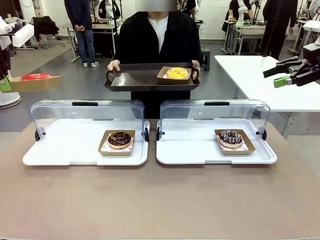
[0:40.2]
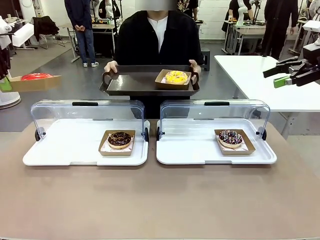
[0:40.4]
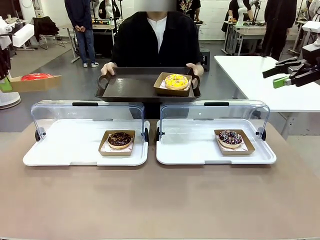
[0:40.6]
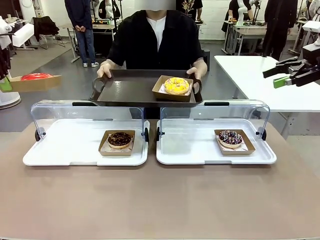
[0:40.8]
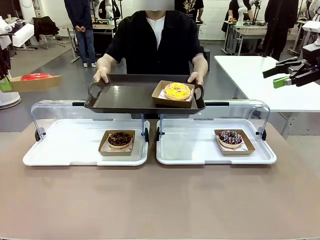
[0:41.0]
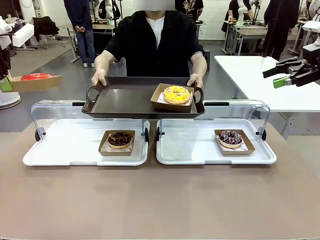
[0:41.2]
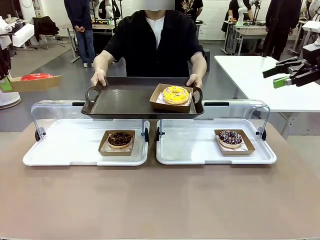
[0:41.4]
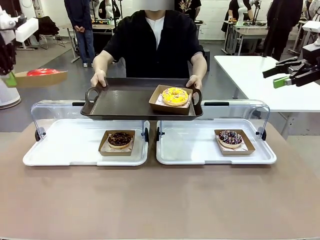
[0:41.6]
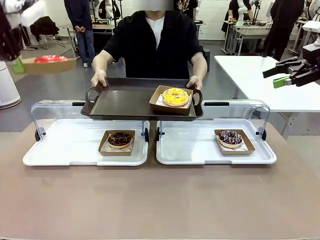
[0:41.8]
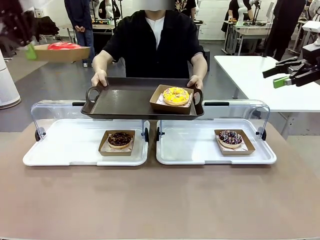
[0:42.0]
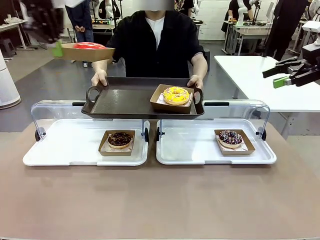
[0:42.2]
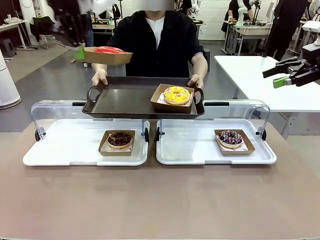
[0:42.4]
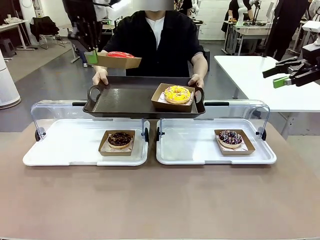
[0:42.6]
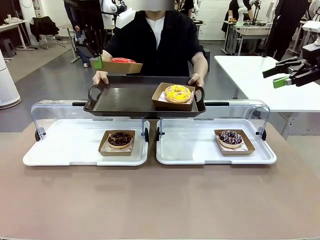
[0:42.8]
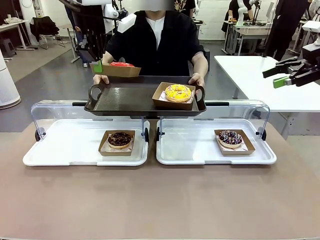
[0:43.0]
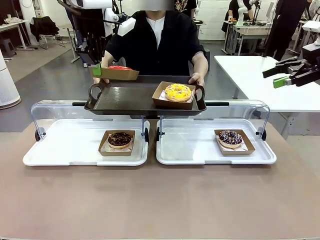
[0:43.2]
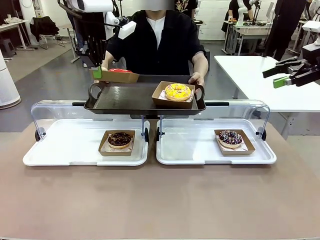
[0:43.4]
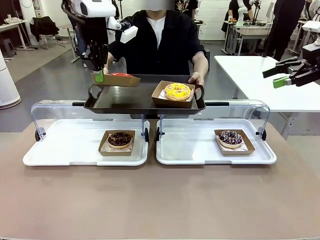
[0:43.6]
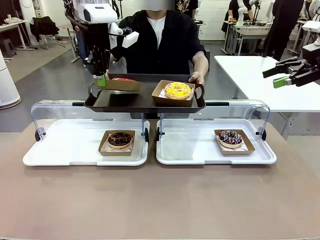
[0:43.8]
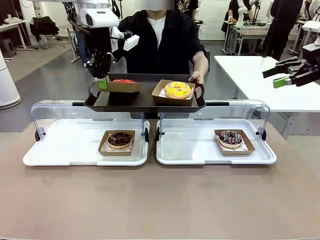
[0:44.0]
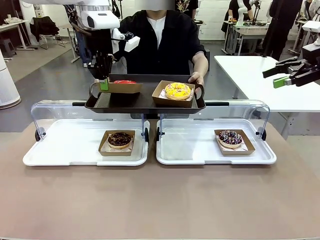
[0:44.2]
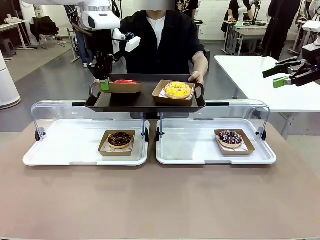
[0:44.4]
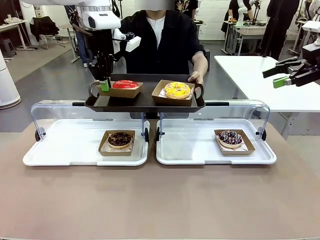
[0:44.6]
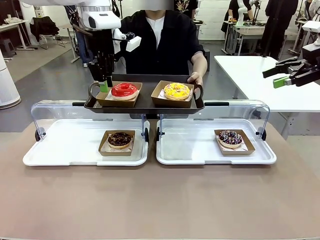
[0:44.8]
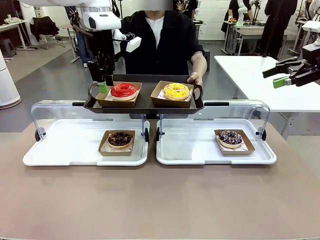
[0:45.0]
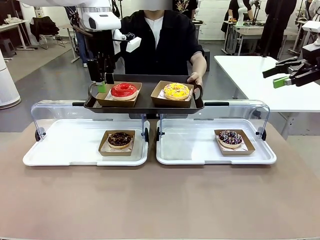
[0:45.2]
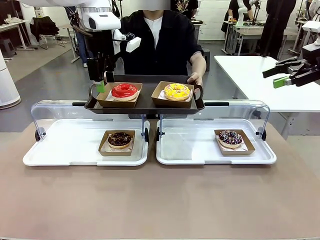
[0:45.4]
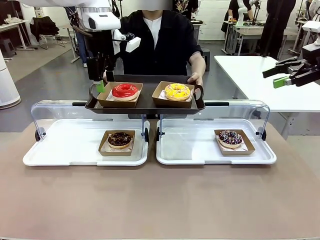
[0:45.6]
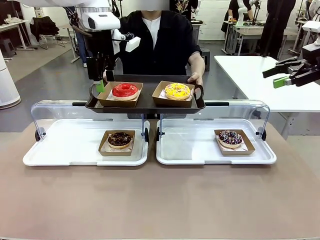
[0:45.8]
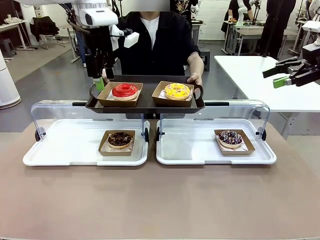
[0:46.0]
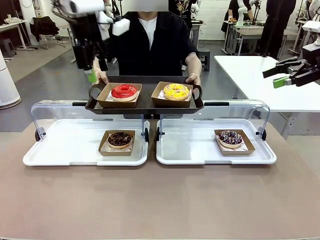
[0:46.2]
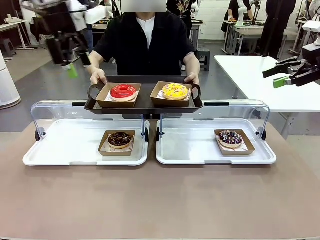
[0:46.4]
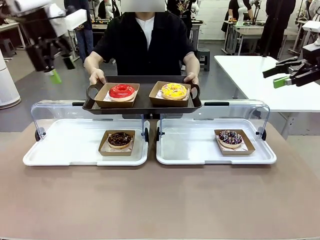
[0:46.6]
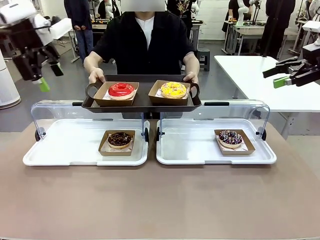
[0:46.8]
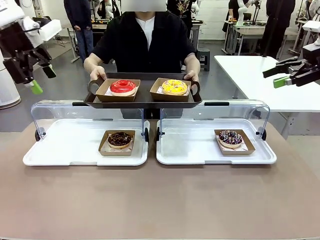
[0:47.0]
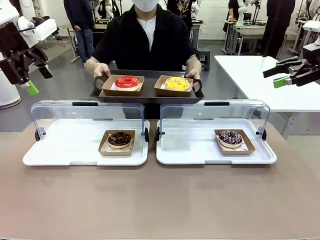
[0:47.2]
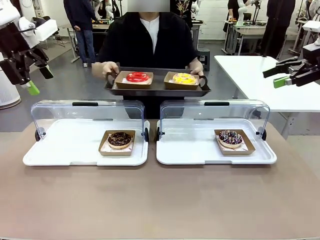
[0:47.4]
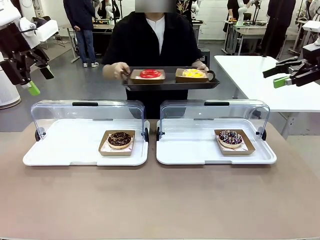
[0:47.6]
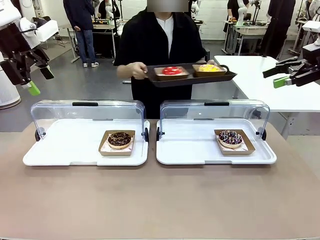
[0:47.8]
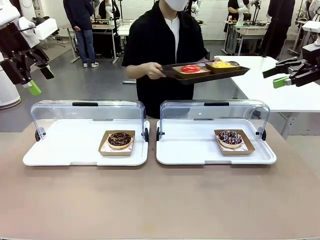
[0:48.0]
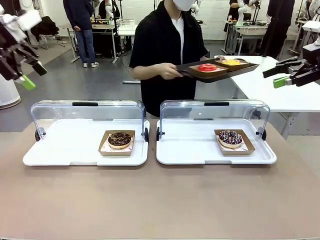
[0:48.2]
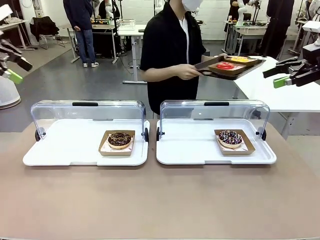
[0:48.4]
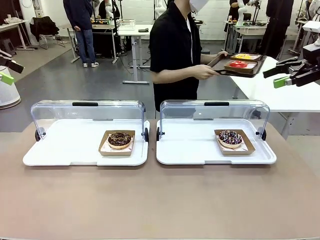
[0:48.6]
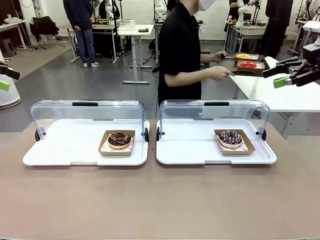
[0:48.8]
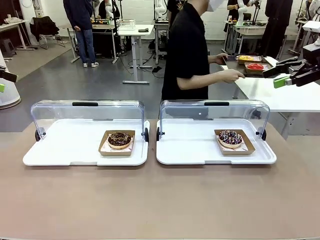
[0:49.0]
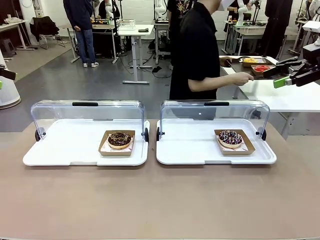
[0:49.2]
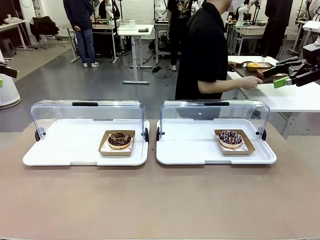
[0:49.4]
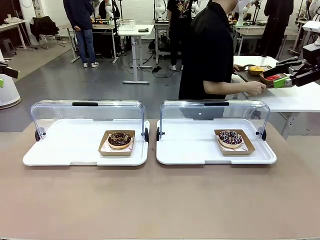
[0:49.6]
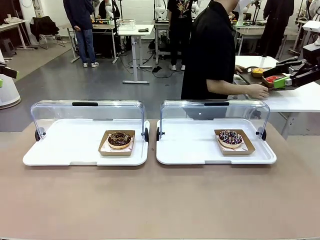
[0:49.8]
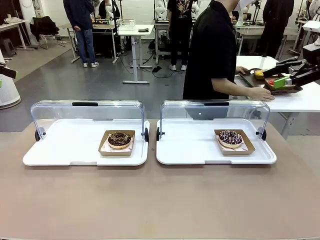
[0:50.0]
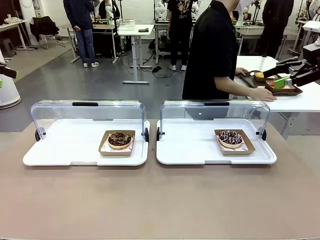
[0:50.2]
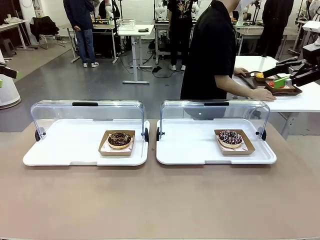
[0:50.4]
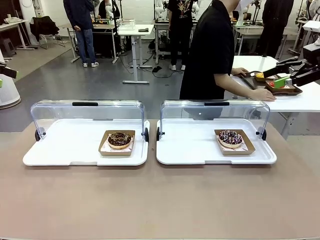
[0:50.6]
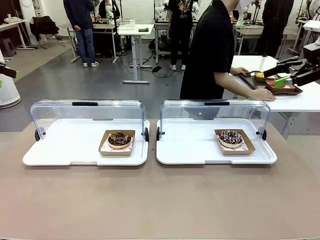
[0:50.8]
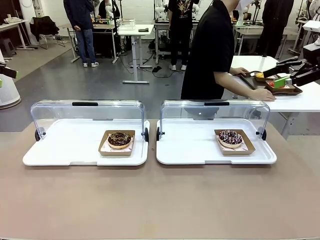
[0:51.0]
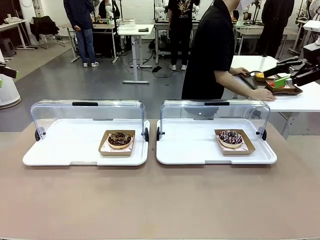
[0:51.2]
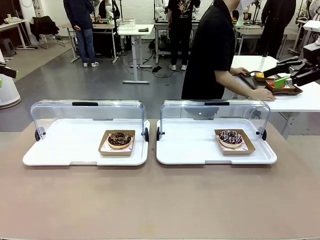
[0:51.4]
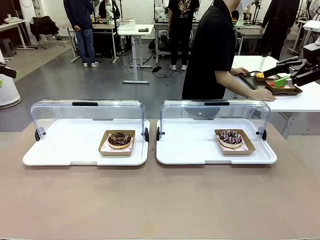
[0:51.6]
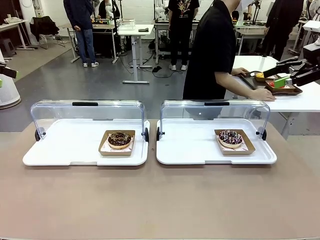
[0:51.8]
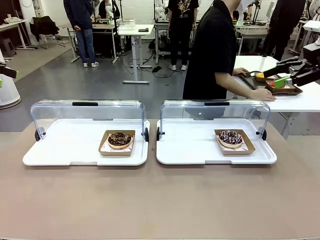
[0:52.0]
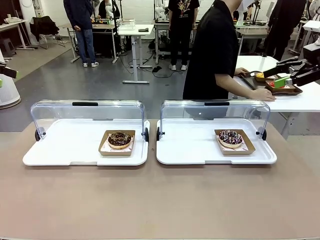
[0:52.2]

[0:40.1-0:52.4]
Task: Provide the desired donut to the person.
Robot: Place the picked Paper togo box onto the Handle tray extended by the person.
Person: Place the tray in the middle of the human table.

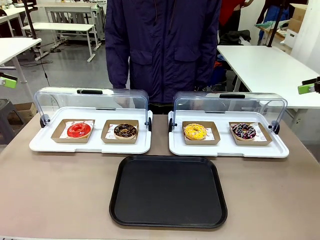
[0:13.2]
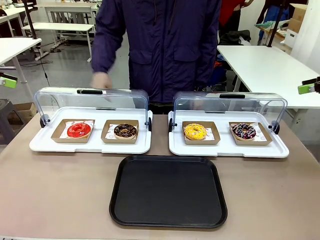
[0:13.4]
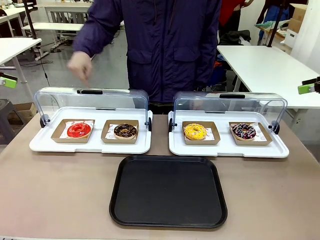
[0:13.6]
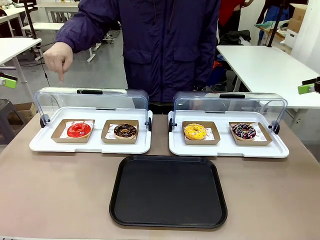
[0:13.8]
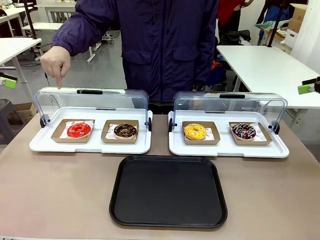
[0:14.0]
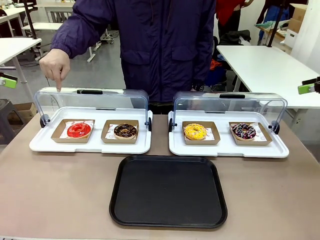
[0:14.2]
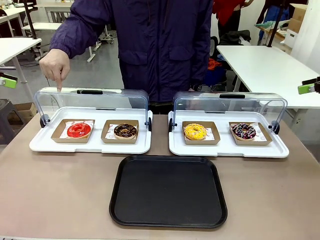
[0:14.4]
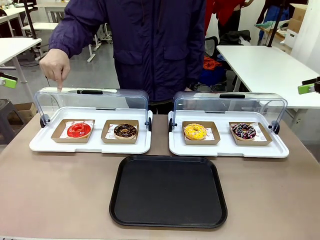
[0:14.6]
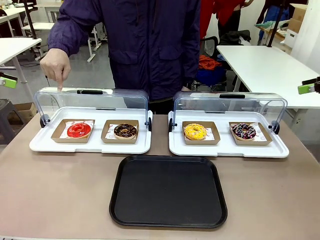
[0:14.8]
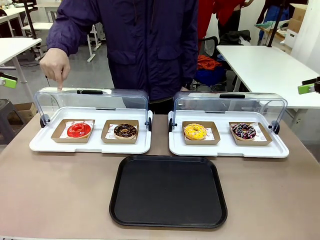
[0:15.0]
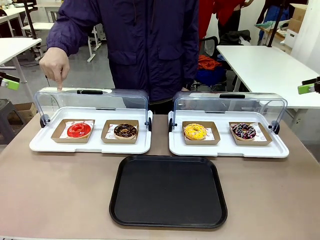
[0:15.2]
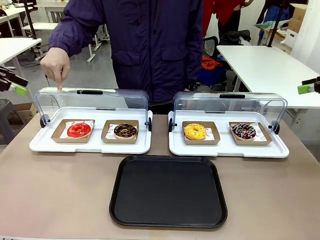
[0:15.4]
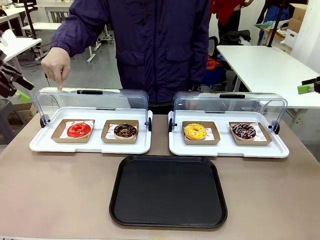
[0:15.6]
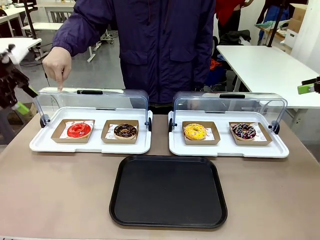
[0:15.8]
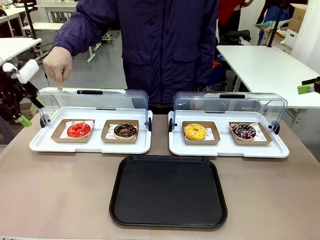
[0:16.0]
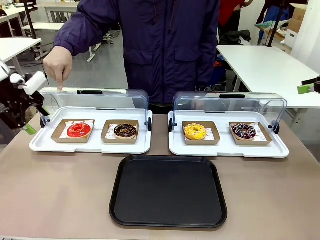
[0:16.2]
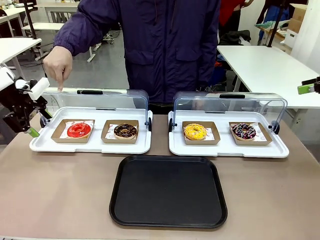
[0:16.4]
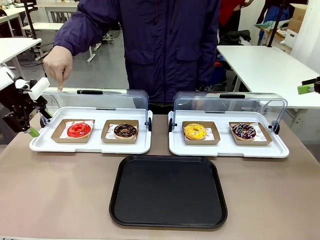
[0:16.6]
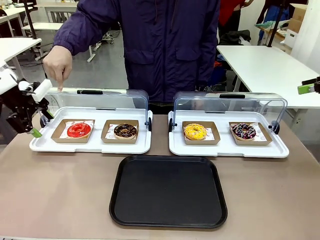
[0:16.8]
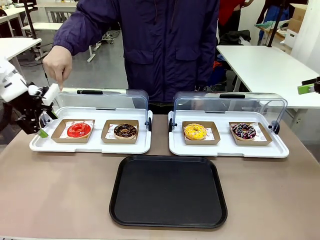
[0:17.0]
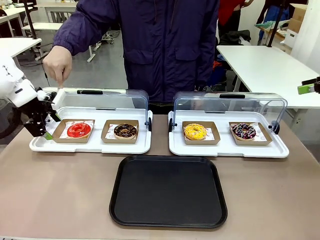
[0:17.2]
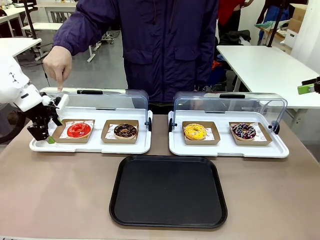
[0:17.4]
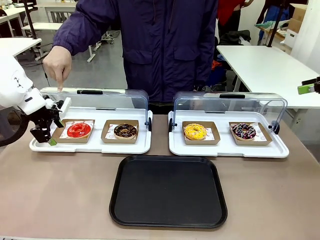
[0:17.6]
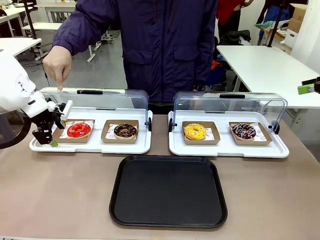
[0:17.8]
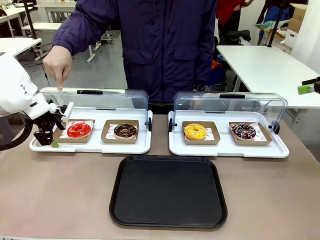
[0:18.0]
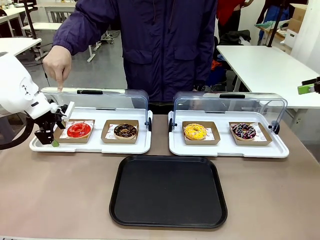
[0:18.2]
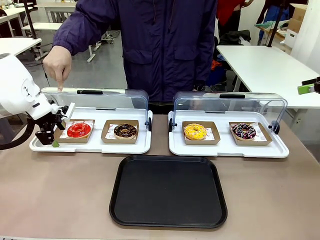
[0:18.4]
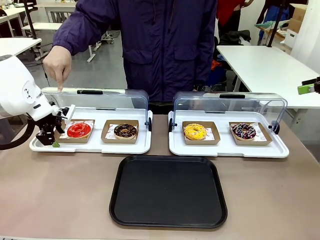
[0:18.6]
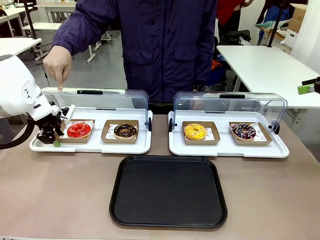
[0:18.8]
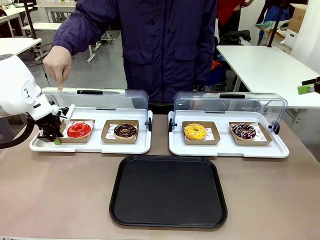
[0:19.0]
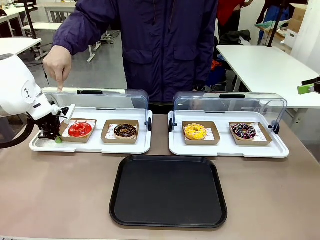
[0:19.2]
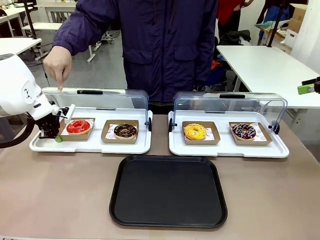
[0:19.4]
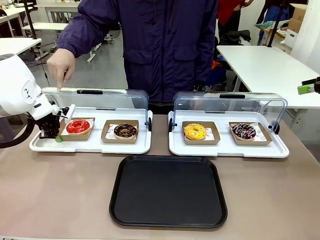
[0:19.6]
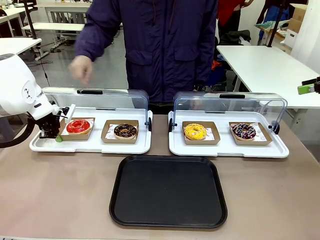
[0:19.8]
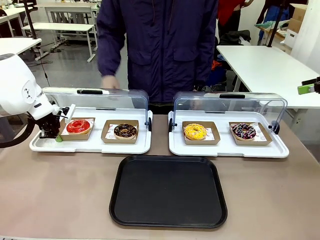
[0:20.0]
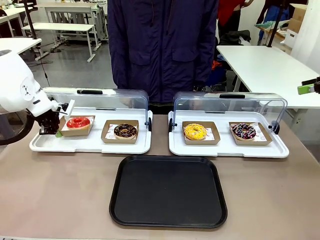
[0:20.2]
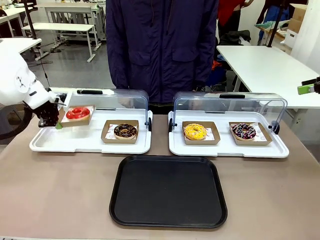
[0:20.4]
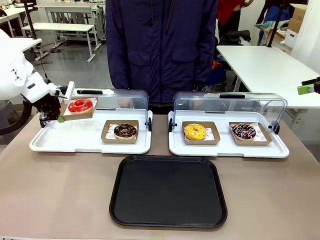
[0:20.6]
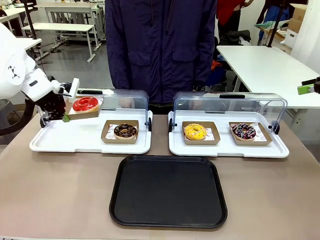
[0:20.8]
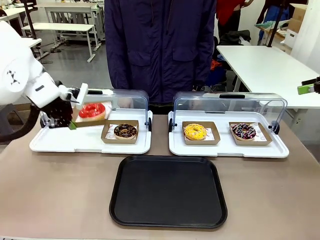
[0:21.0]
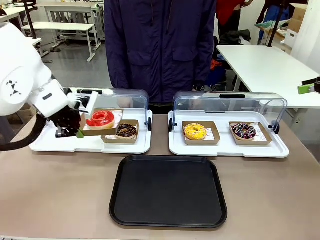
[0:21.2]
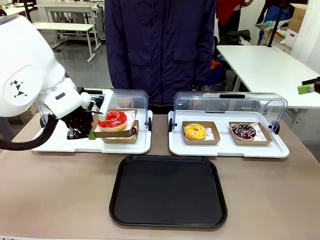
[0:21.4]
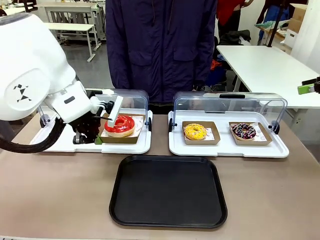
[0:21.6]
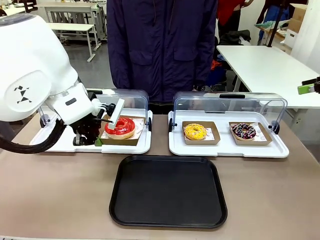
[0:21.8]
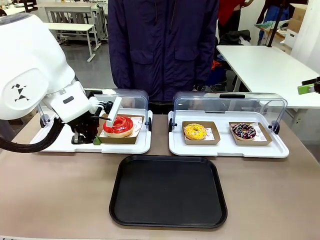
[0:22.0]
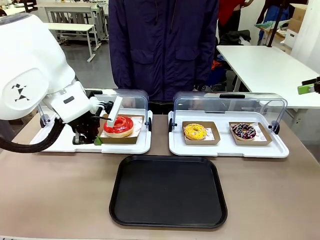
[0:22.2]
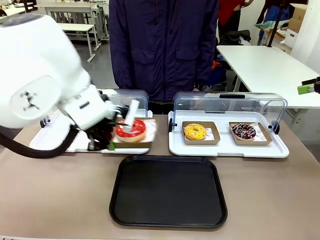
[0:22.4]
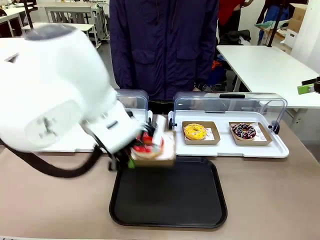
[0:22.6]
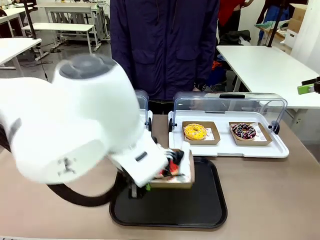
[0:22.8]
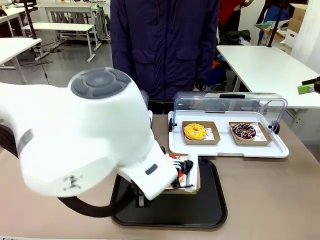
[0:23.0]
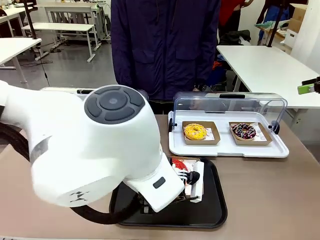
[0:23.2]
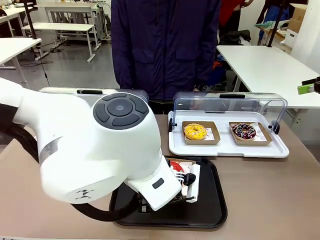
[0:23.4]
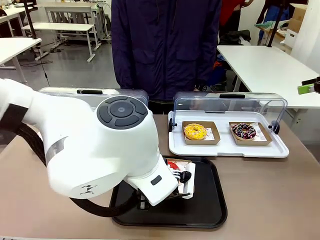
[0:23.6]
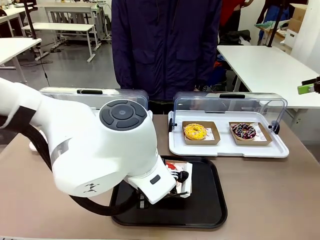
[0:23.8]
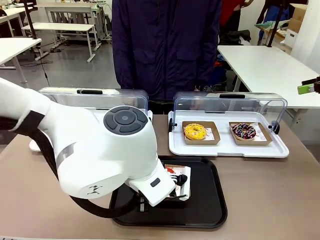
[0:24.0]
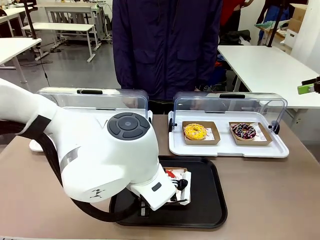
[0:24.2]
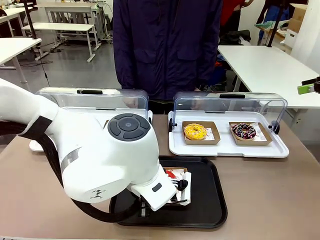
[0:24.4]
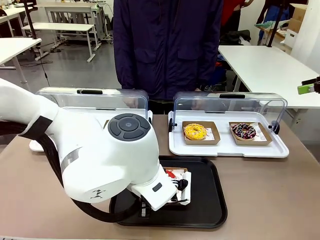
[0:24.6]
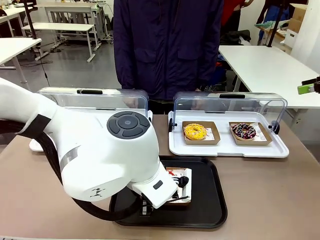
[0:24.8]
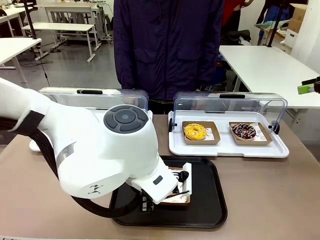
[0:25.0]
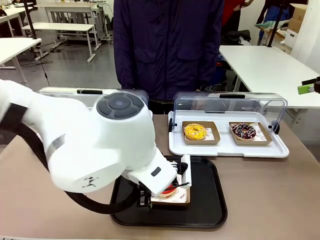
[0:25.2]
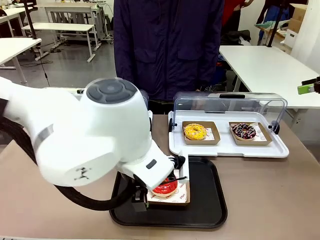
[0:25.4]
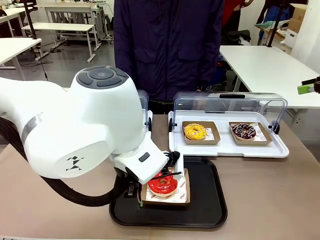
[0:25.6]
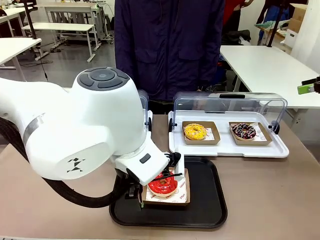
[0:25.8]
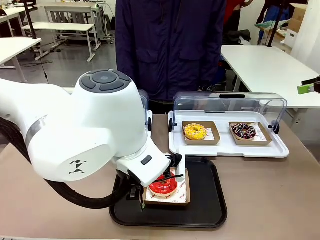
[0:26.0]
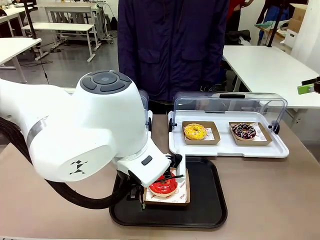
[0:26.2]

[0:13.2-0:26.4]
Task: Move the first donut from the left to the tray.
Robot: Pick up the Paper togo box containing the Donut indicated by the person and place it on the Handle tray.
